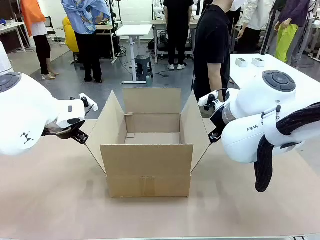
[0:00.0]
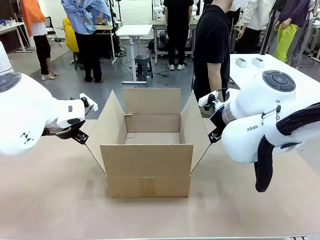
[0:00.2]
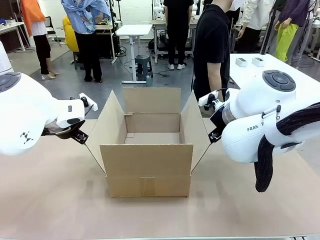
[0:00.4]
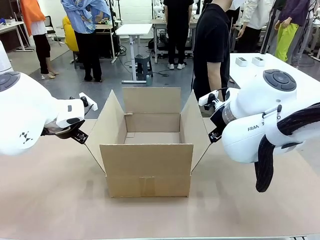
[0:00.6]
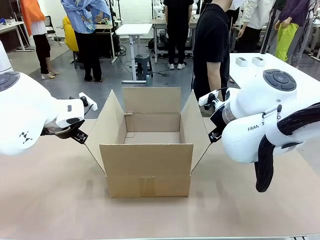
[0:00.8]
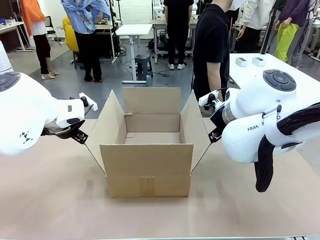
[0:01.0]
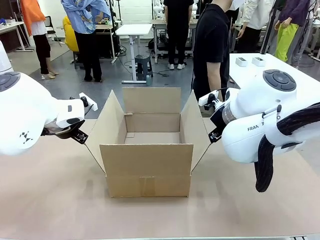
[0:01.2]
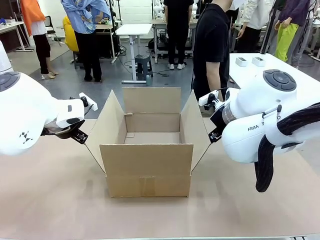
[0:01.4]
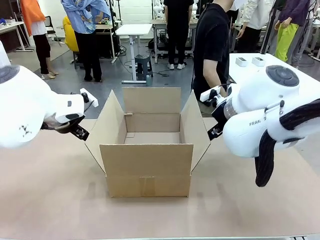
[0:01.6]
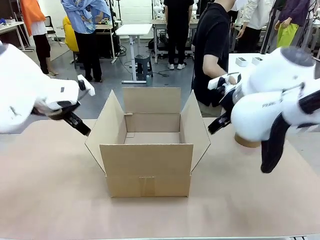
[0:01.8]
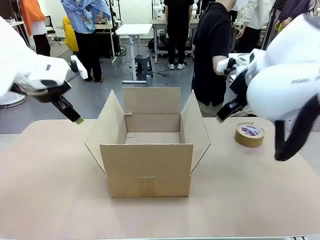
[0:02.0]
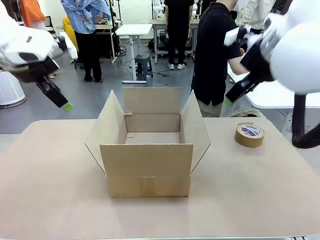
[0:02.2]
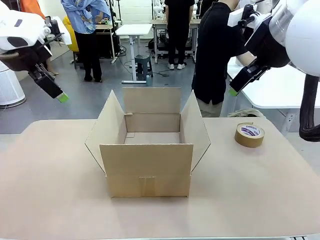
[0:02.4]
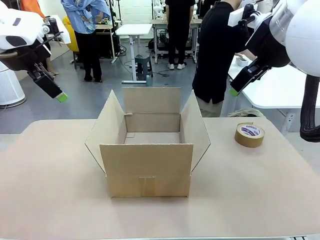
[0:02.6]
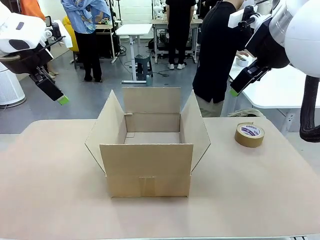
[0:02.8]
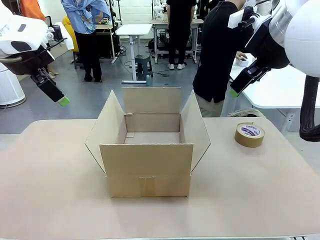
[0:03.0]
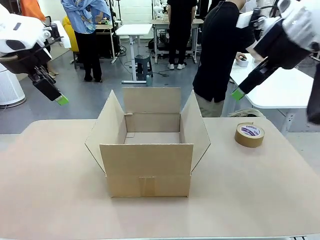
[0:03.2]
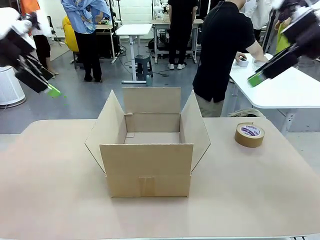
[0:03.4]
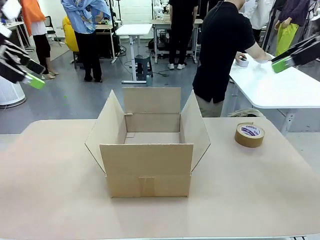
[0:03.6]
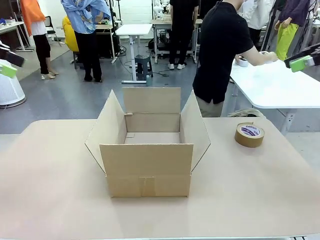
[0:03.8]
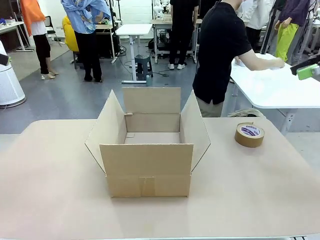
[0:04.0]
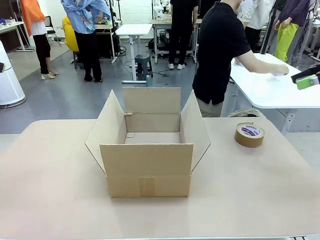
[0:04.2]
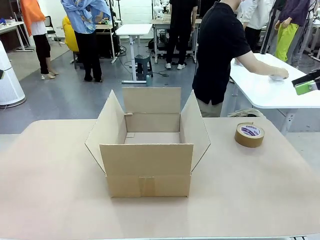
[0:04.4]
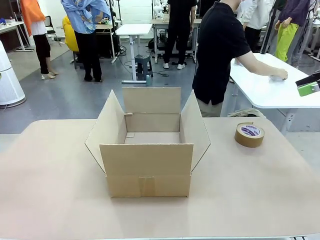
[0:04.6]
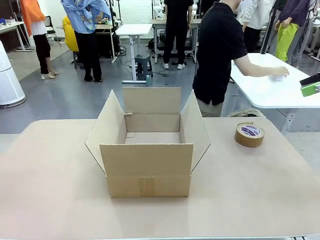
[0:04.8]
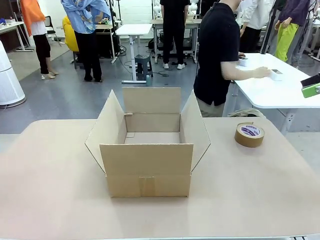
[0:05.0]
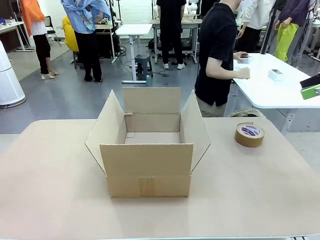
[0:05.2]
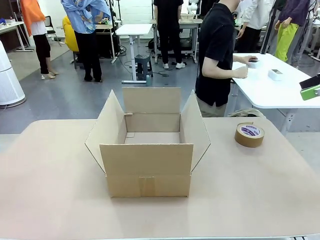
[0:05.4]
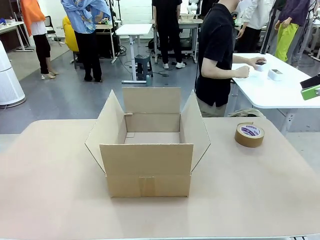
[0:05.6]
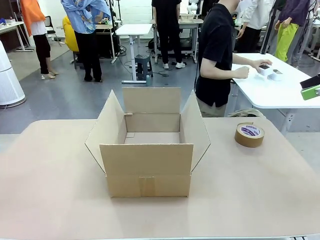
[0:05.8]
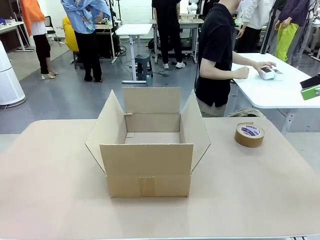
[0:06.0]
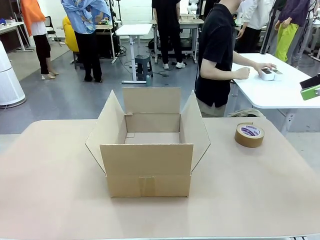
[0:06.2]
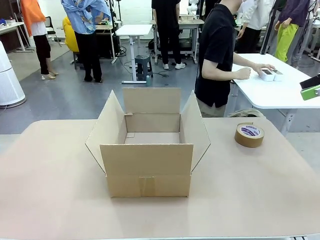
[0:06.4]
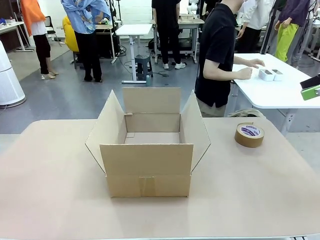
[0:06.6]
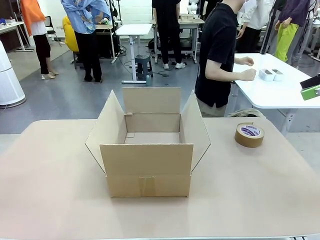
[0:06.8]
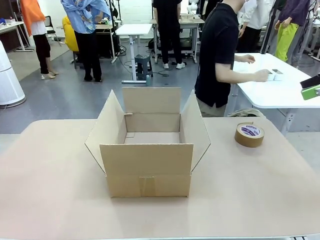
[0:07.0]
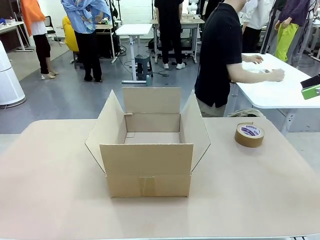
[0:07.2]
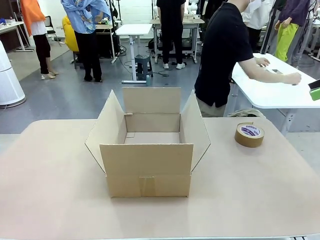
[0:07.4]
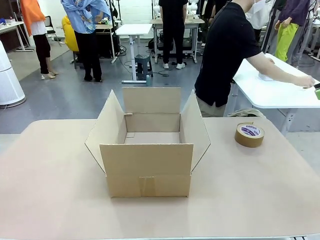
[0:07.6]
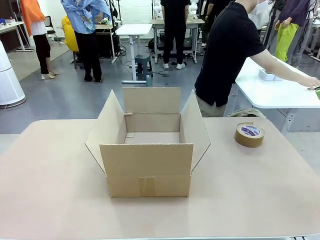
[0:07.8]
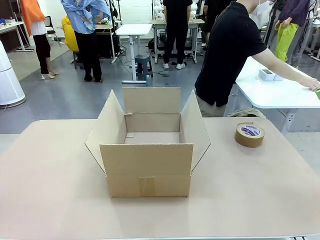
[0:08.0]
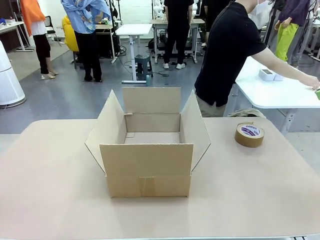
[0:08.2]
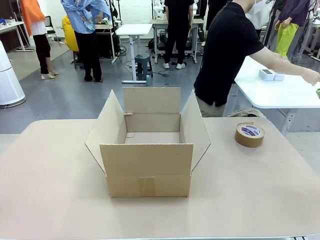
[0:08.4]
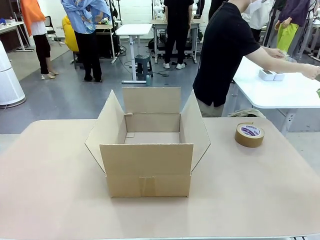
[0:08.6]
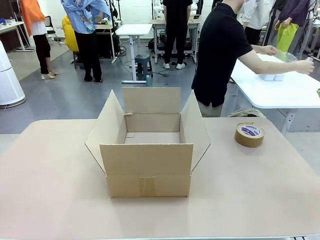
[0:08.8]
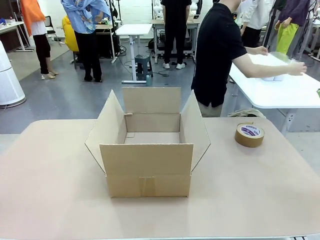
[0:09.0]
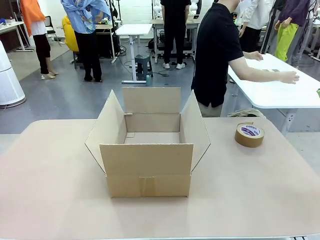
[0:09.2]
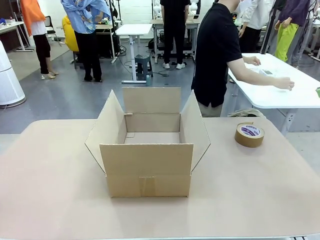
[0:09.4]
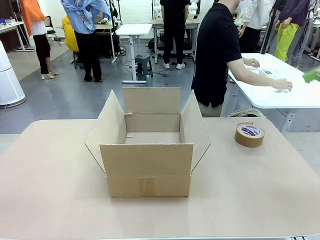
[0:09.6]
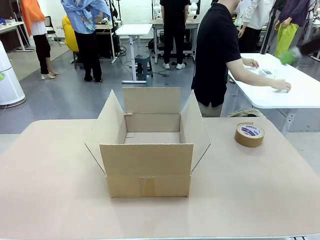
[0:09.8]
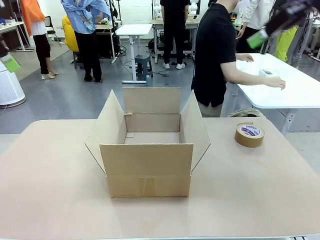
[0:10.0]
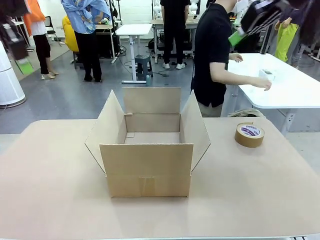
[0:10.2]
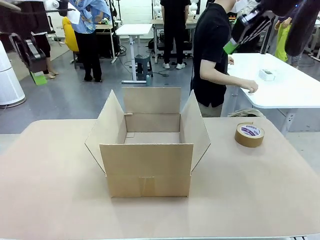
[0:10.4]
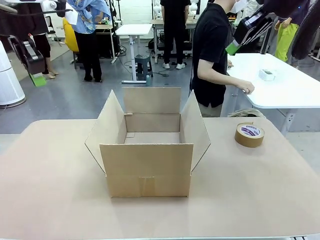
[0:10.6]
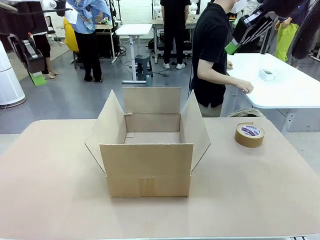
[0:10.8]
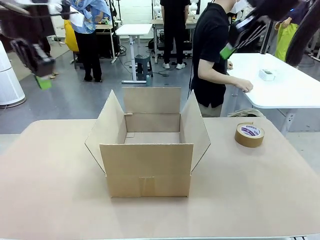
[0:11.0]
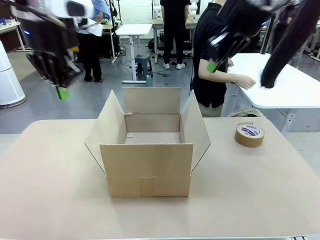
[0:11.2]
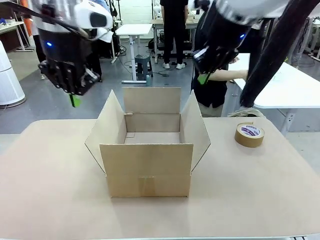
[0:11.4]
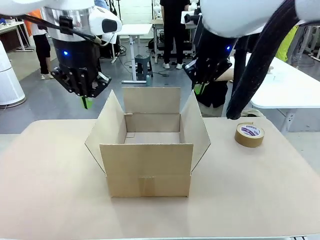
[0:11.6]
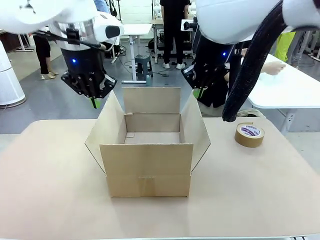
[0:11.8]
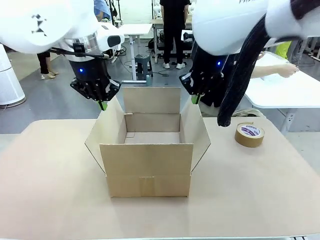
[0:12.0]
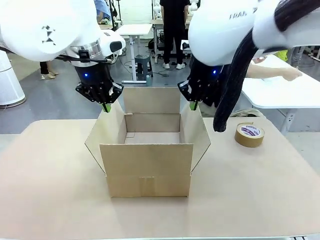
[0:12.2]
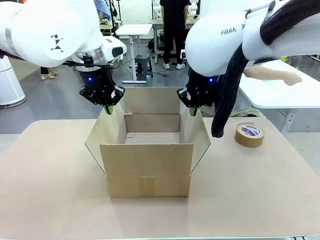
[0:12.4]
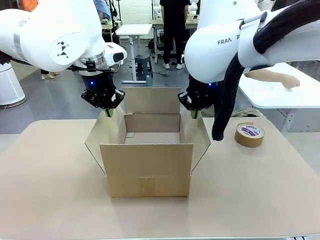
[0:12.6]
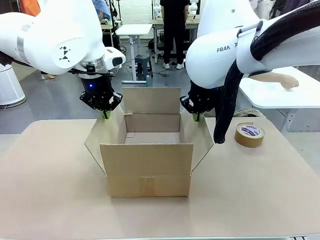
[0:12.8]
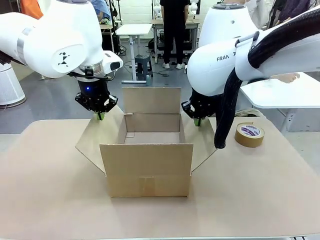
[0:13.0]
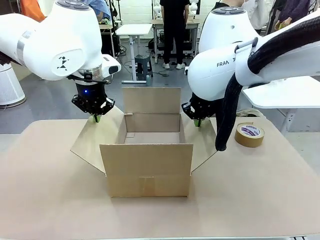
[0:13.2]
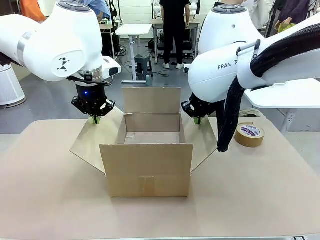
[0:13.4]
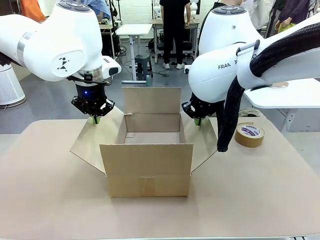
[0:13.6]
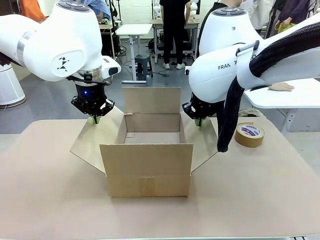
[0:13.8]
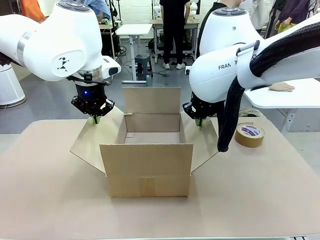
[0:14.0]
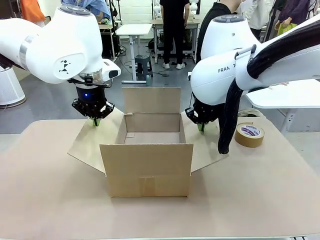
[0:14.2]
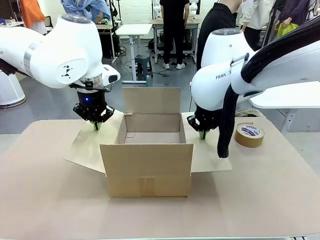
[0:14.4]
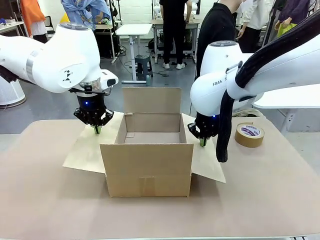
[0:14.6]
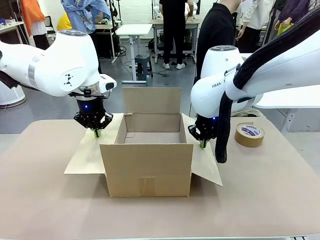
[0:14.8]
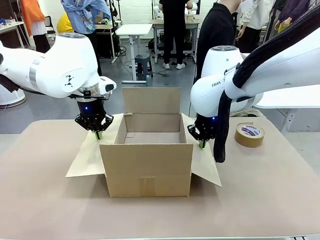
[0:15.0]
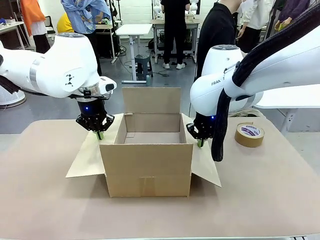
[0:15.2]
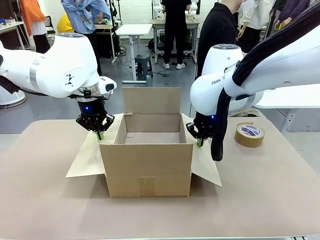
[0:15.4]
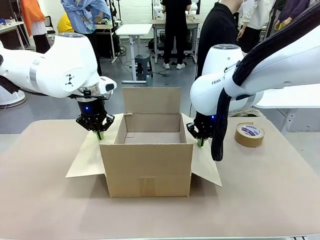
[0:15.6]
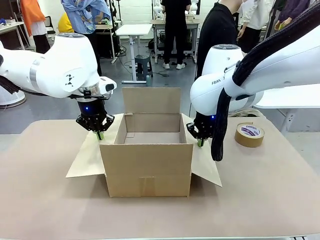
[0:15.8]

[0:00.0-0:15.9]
Task: Wrap the clocks to prevent damage.
Robot: Open the side flaps of the Package Box.
Person: Wrap the two Digital clocks with Bubble Wrap.
